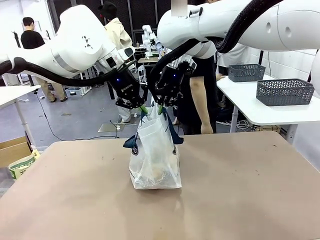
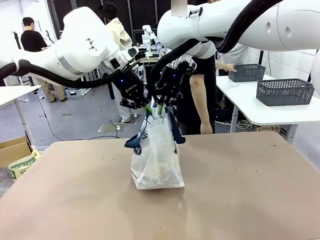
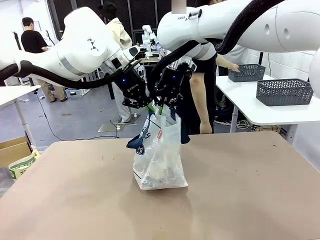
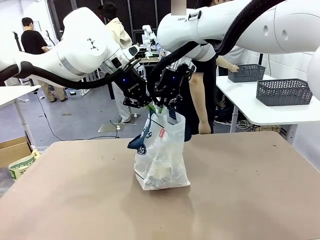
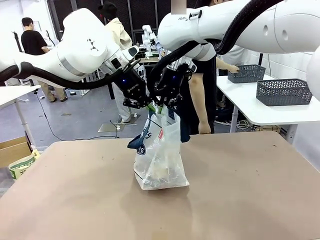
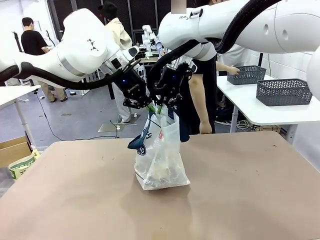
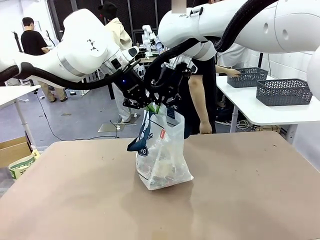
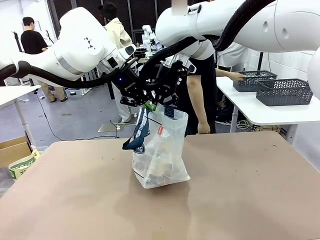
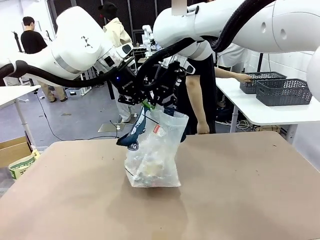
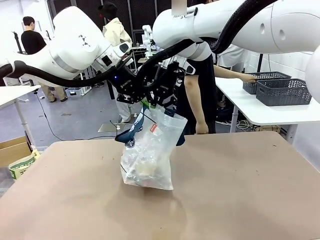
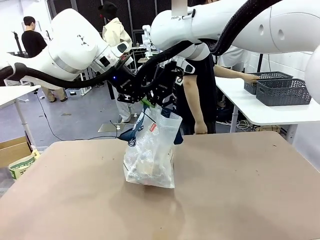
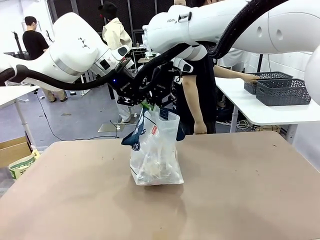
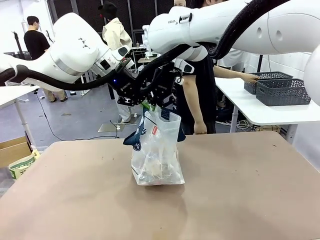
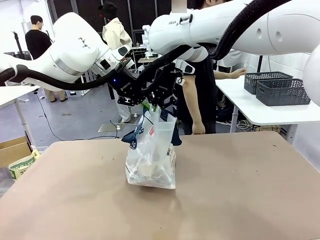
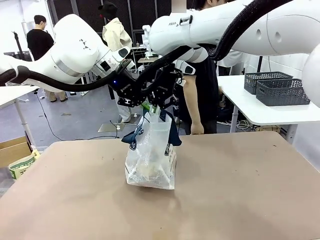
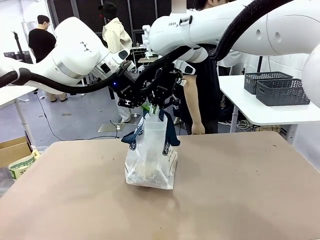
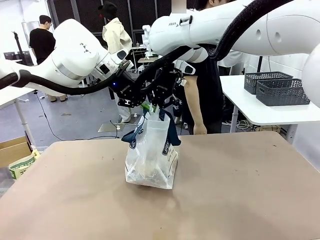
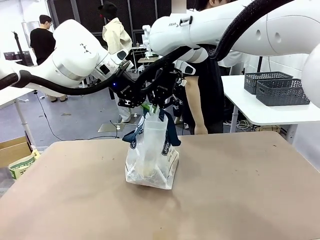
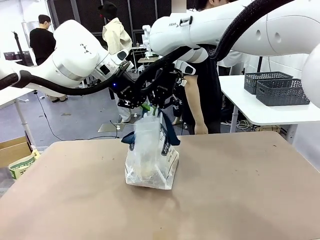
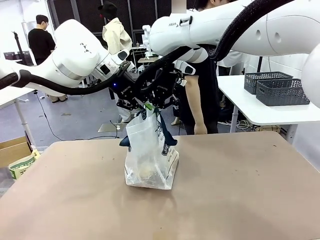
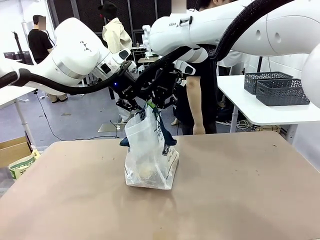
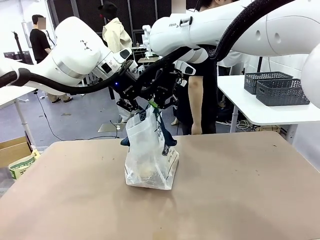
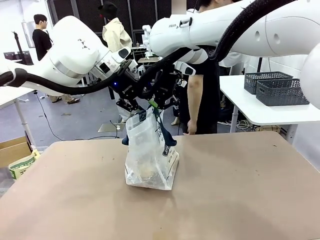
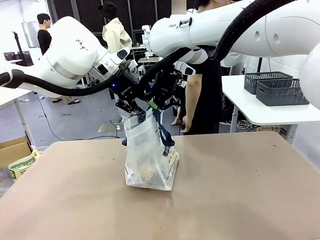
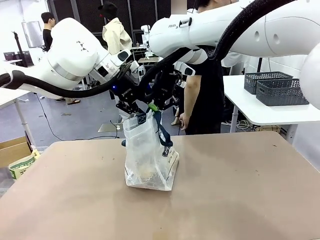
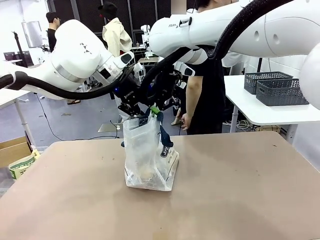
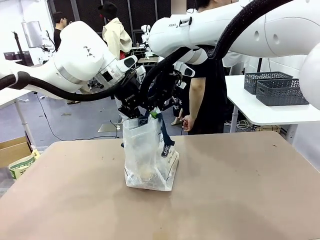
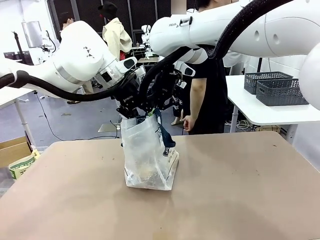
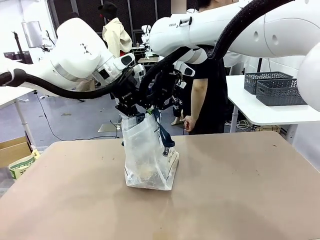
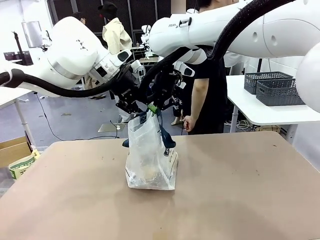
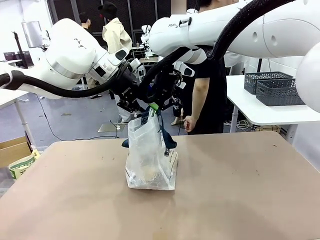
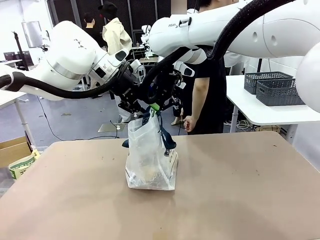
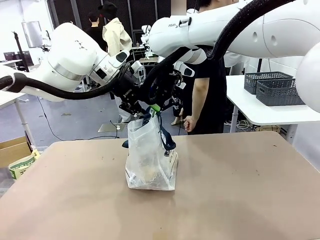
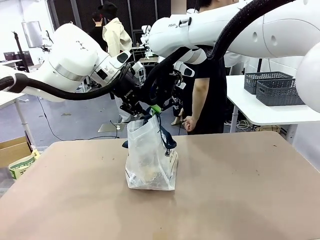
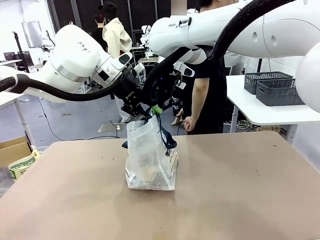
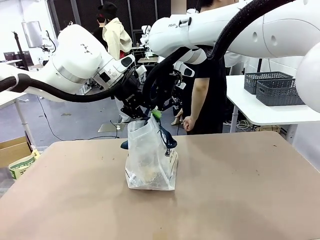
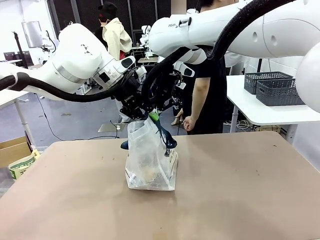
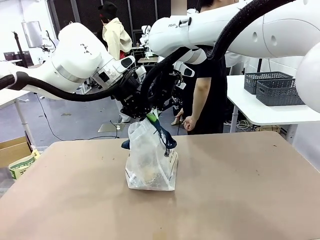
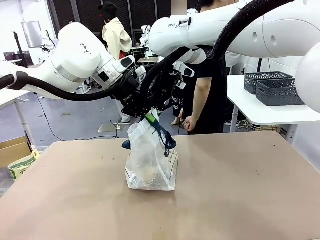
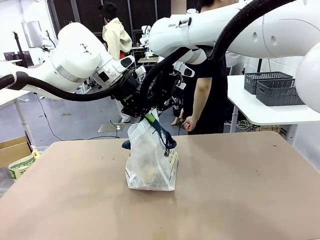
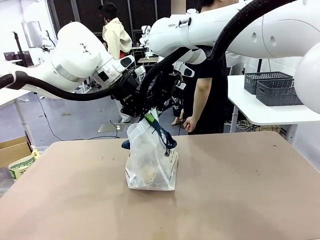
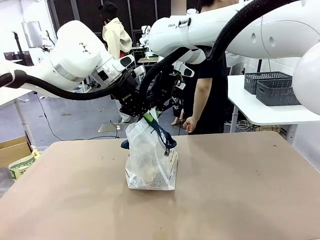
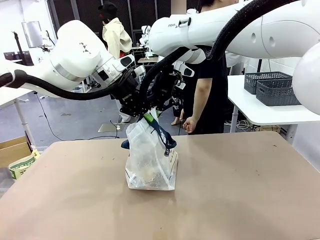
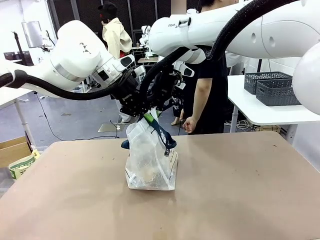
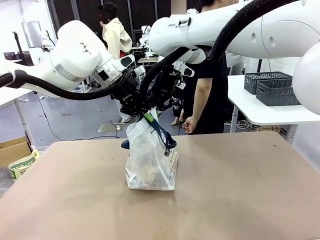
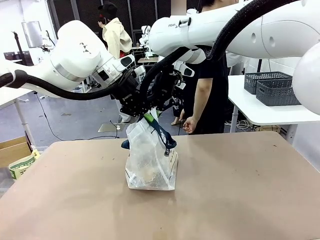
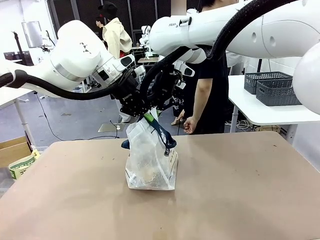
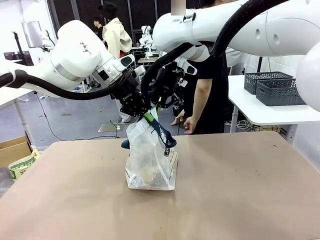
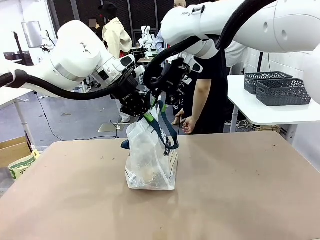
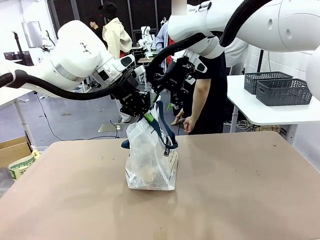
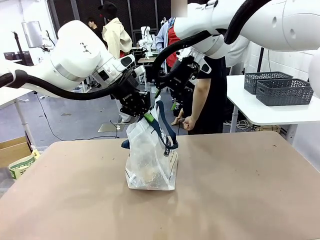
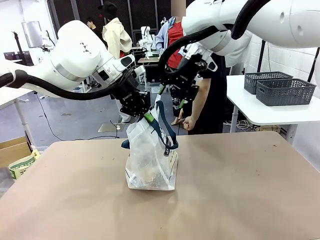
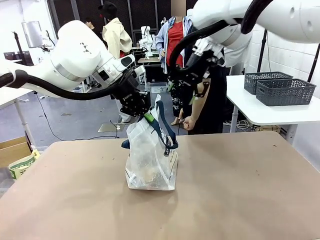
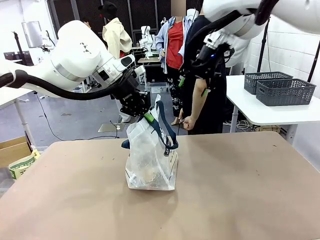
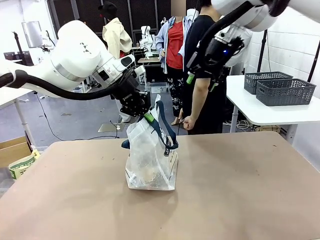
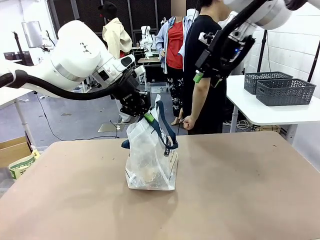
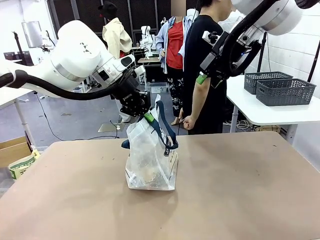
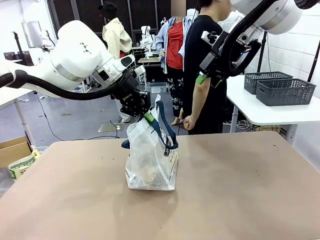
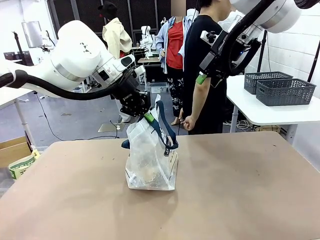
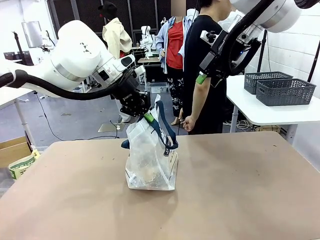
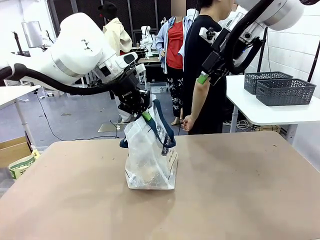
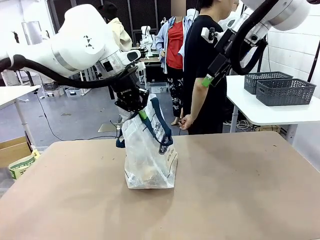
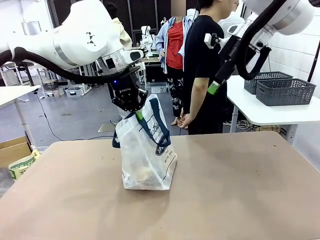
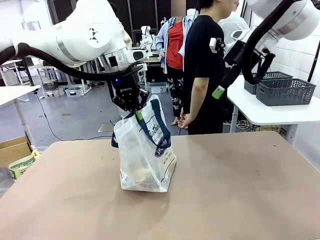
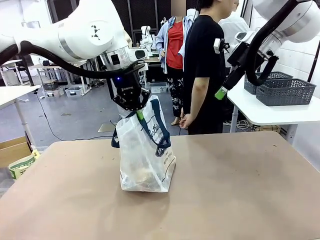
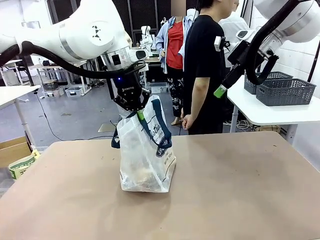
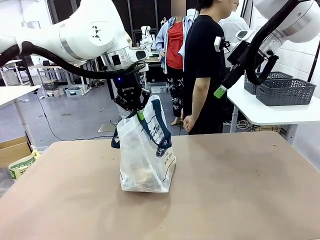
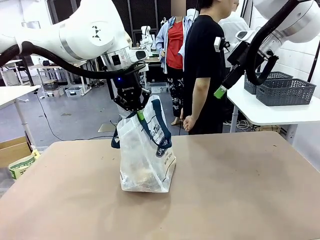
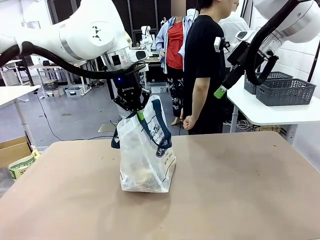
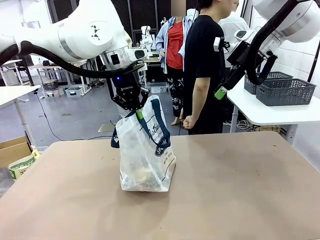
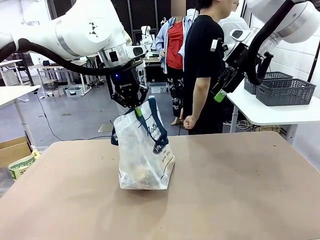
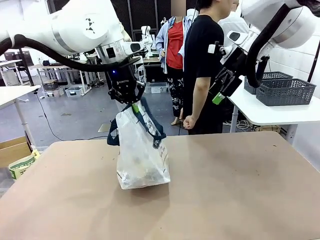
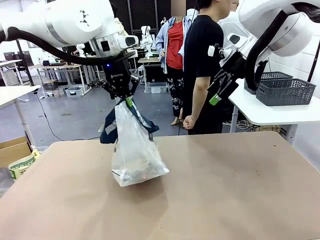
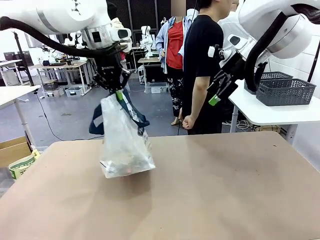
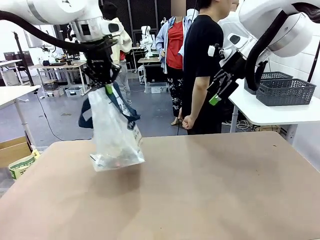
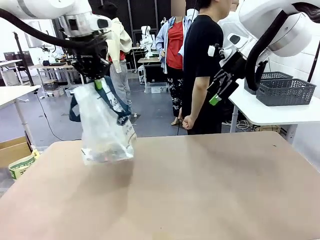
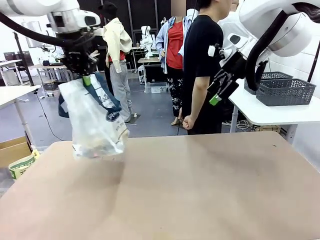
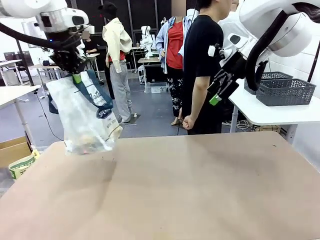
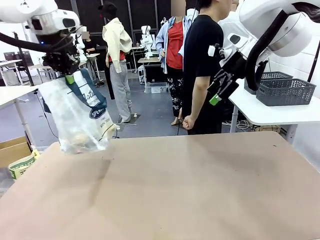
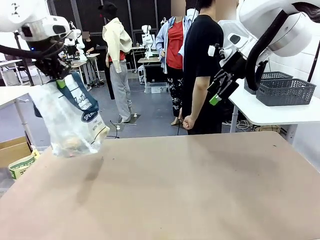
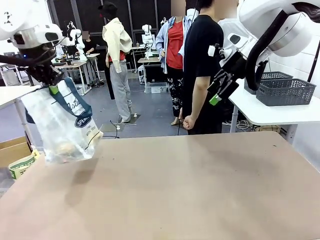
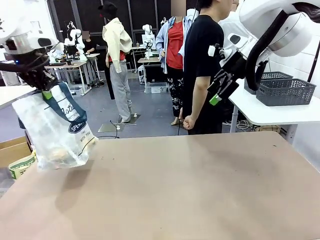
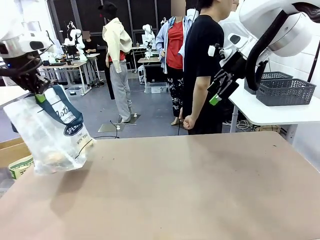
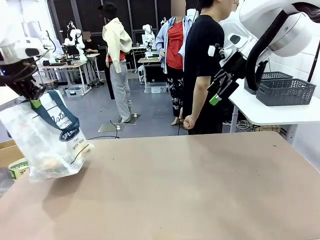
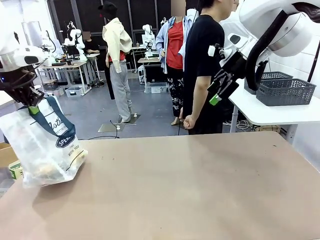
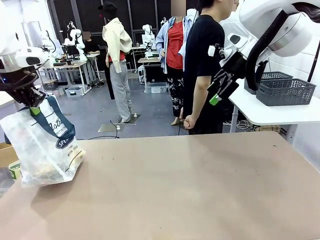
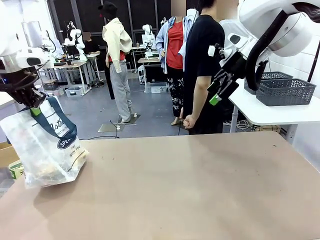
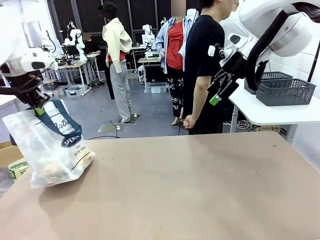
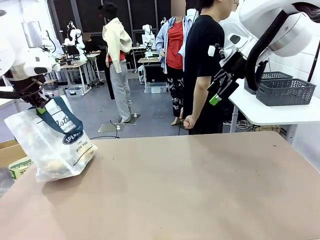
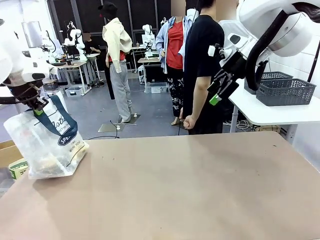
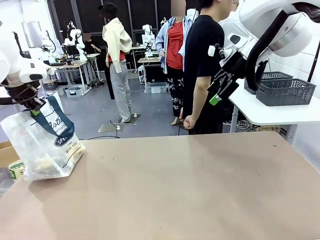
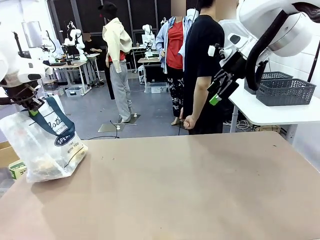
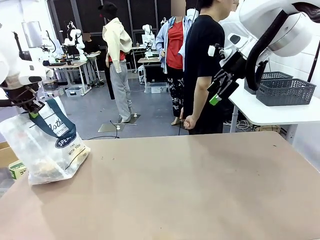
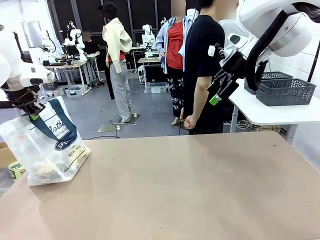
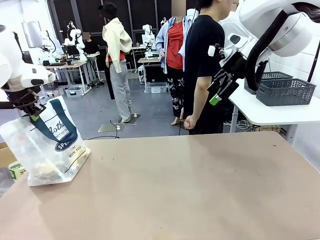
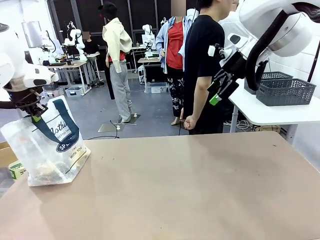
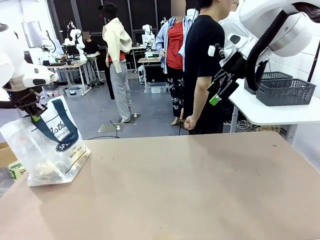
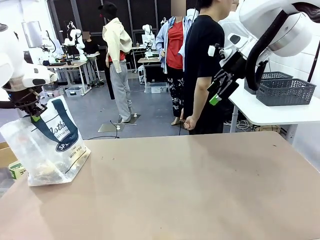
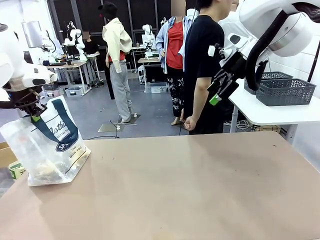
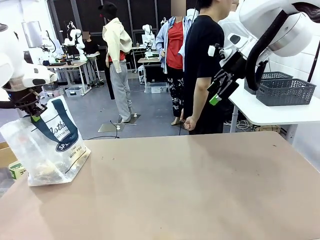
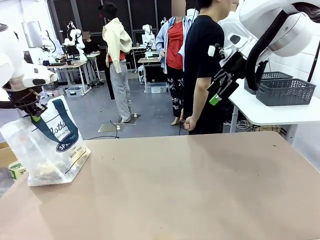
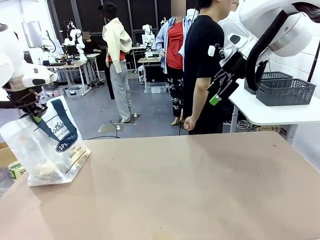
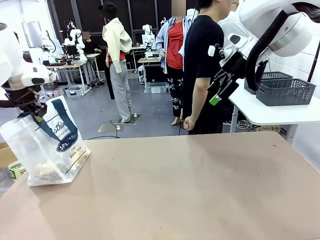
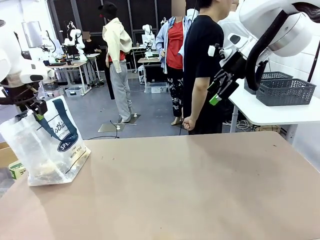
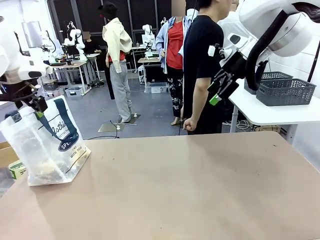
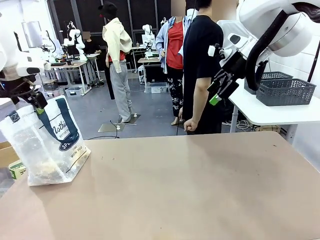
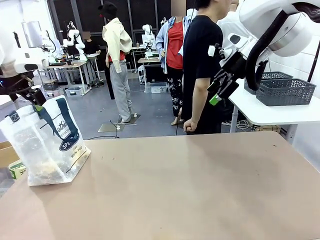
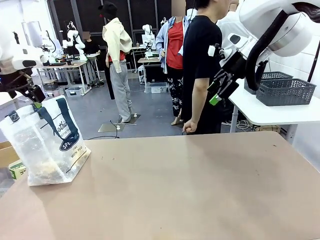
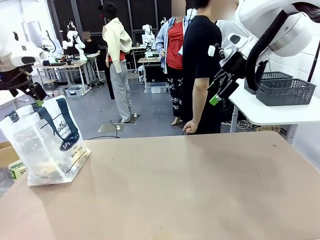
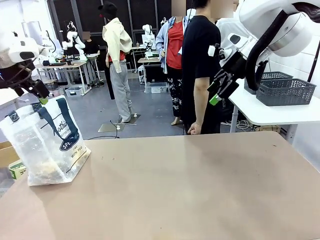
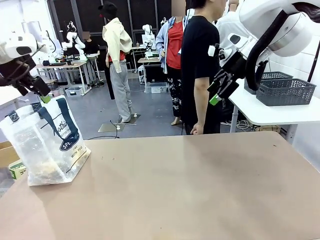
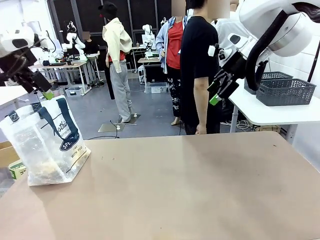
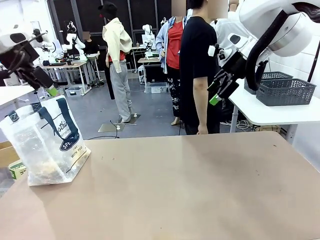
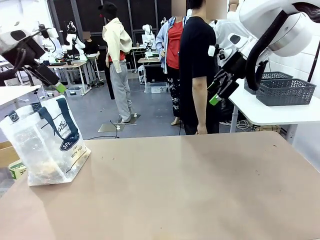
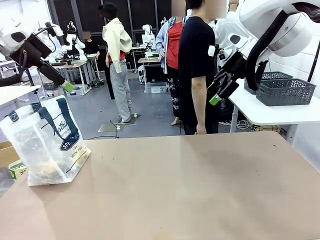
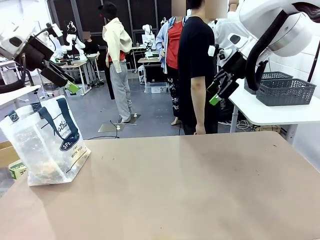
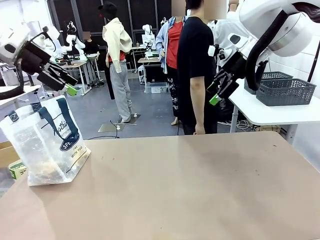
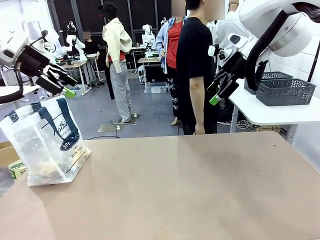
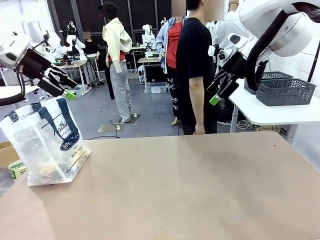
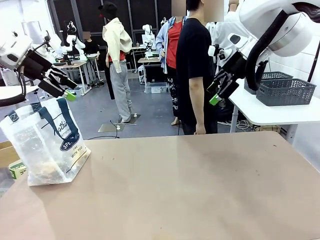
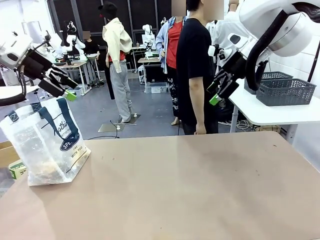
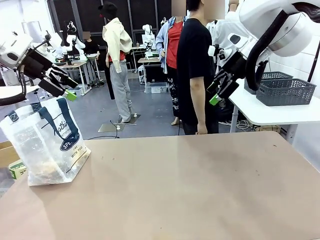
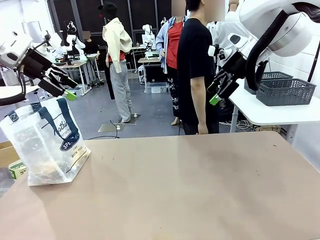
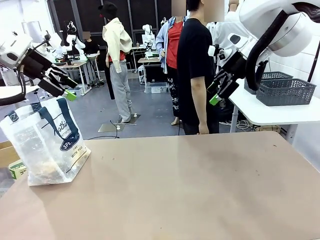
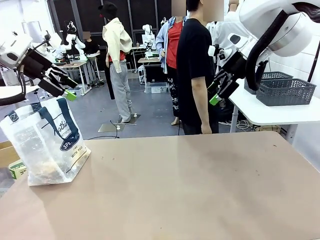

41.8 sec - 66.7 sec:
Task: Transfer purchased items from the store into the shopping bag.
Robot: Move the Reusable shopping bag to the right side of the table.
Person: Move the basket on the left to the middle of the person's table.
